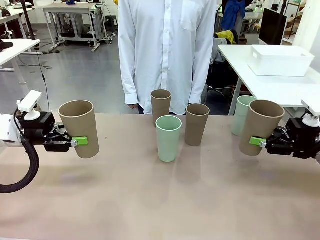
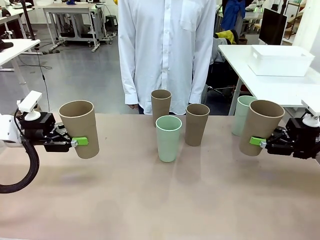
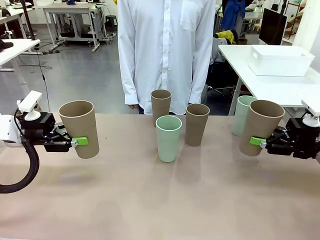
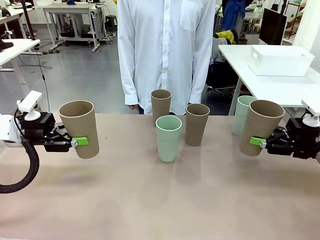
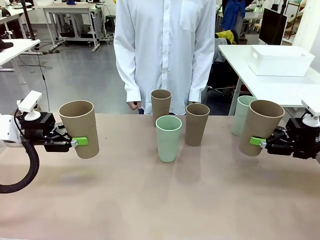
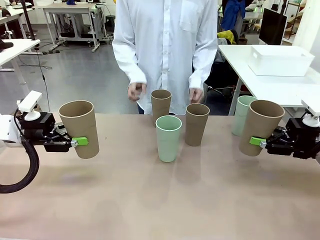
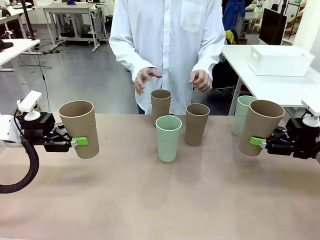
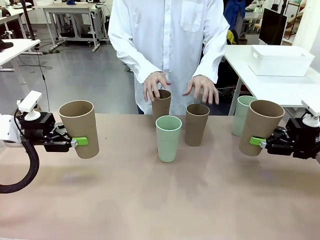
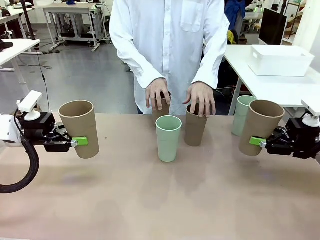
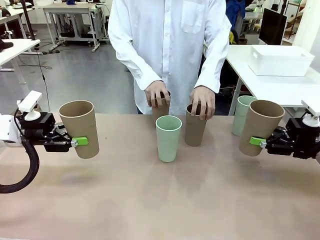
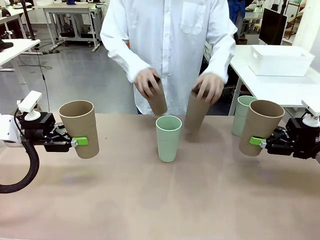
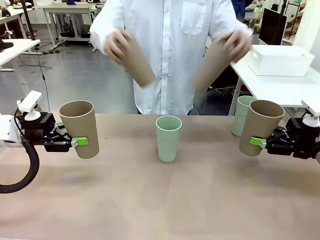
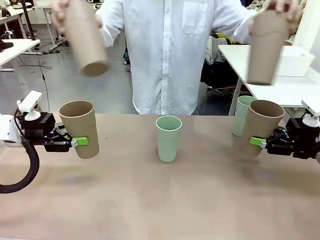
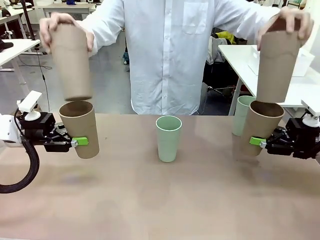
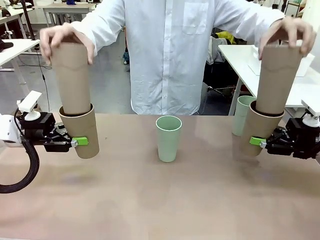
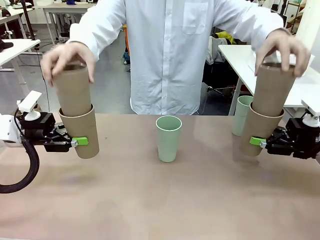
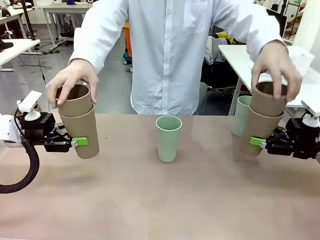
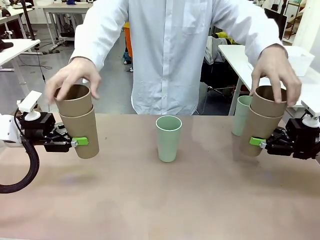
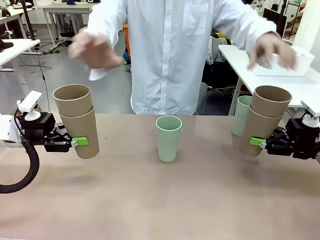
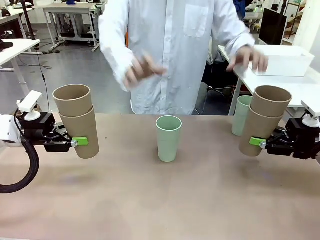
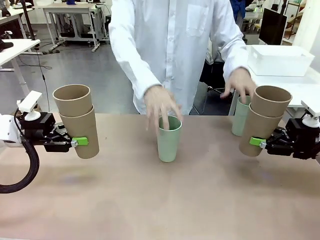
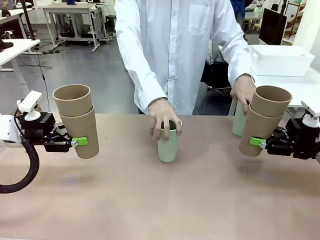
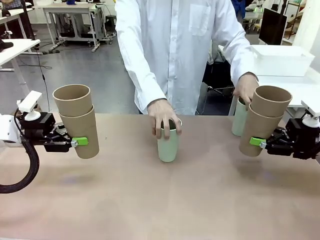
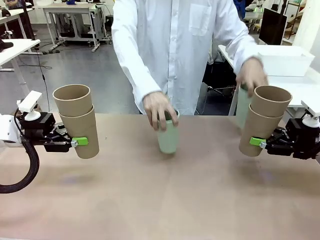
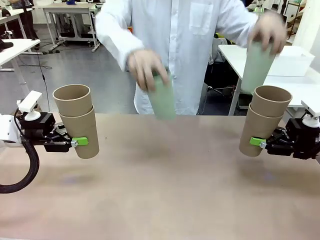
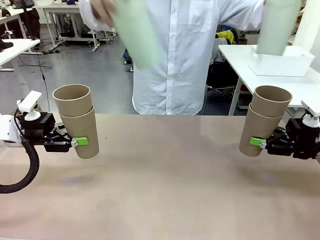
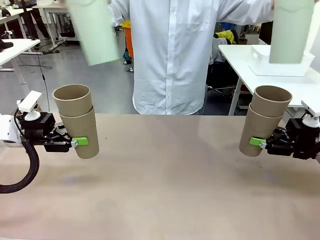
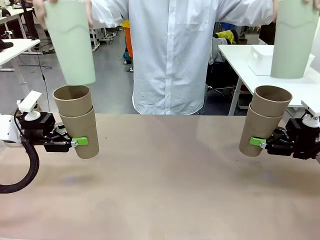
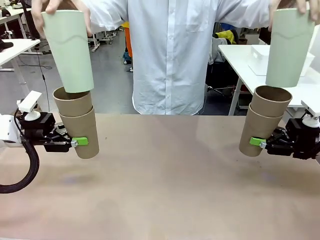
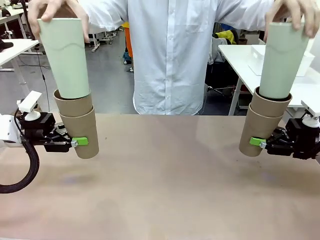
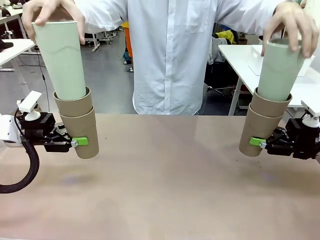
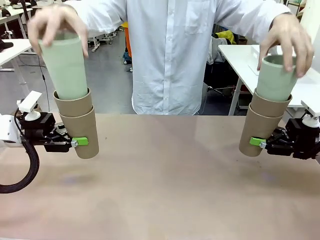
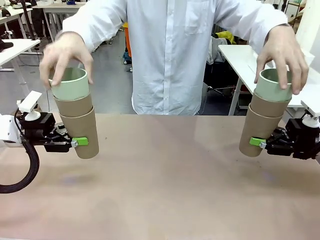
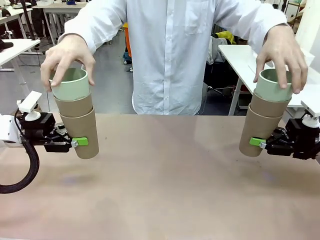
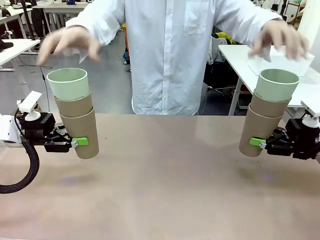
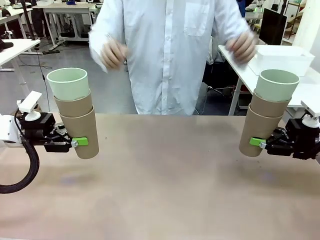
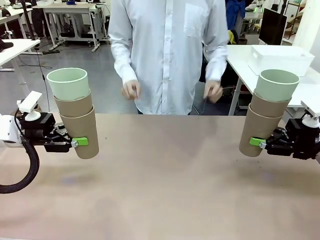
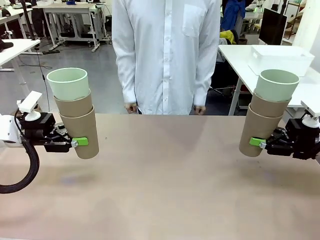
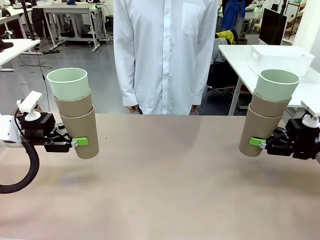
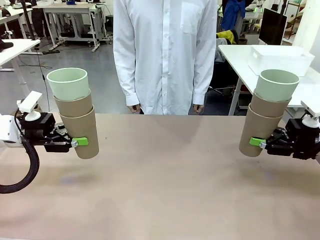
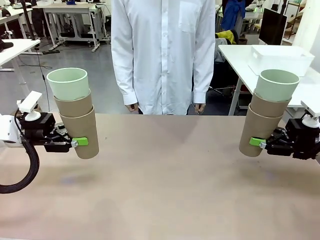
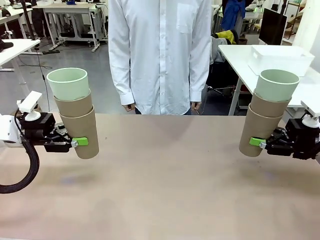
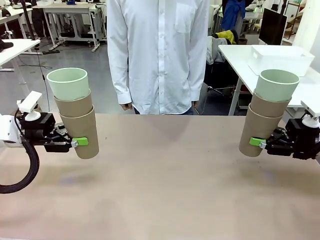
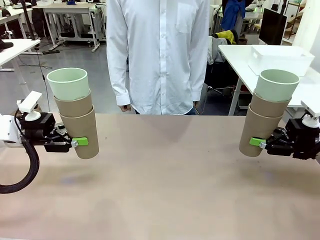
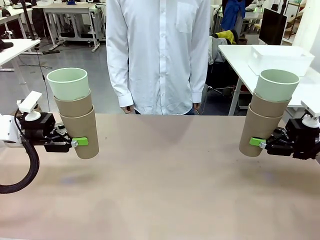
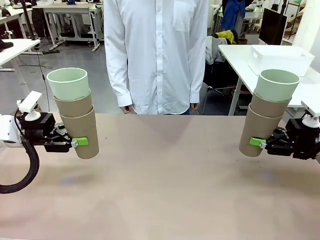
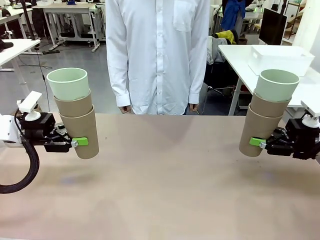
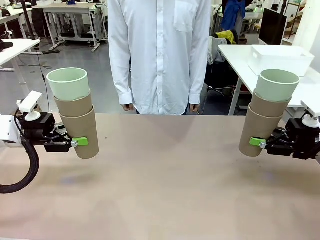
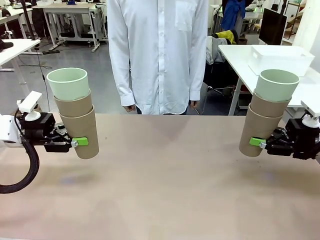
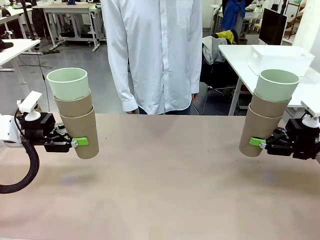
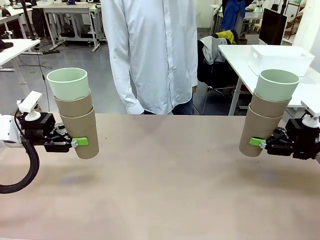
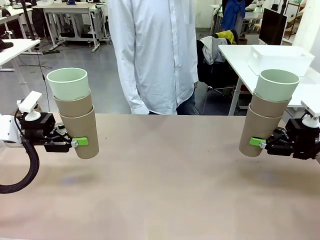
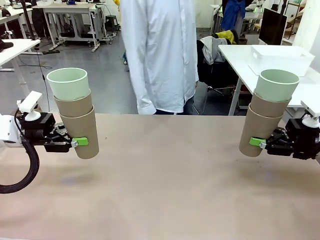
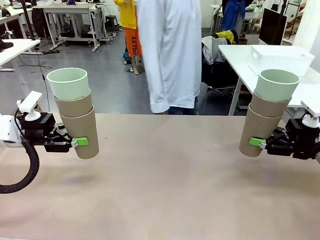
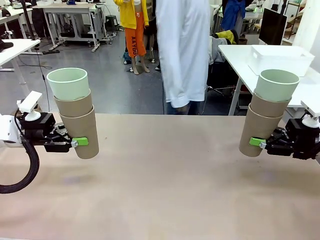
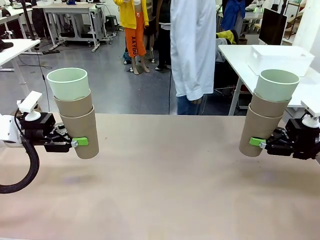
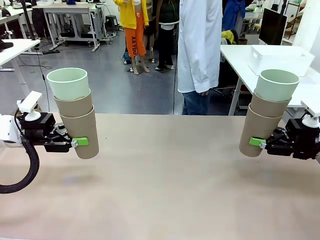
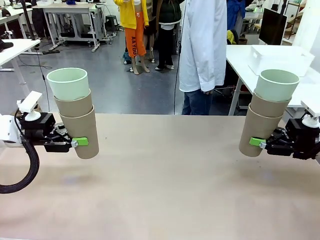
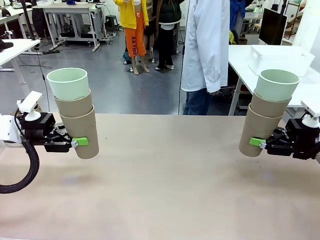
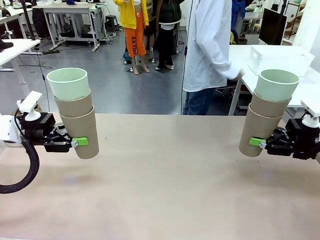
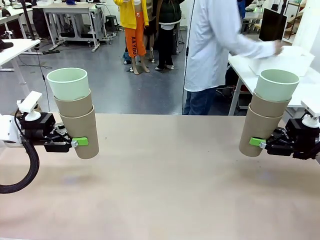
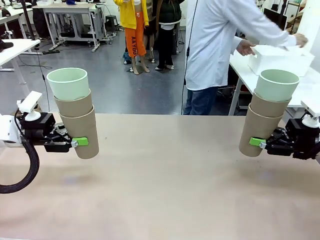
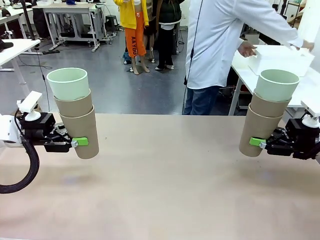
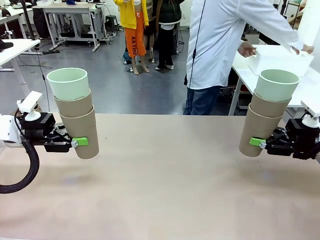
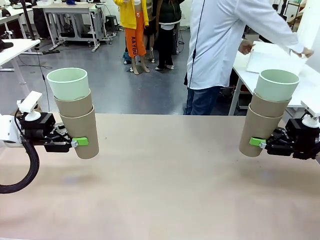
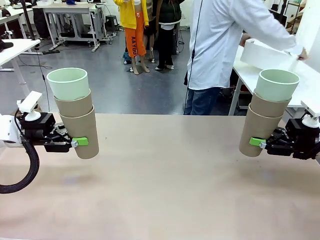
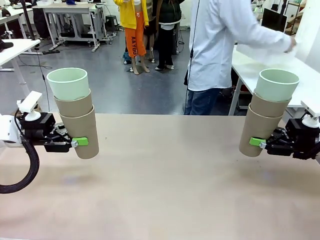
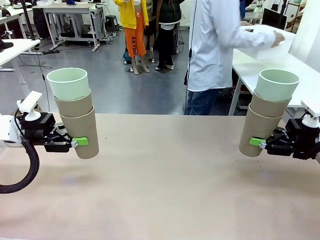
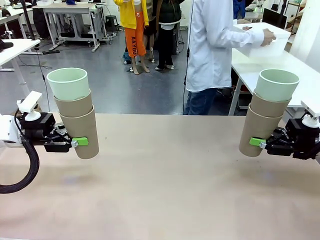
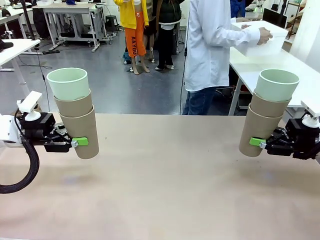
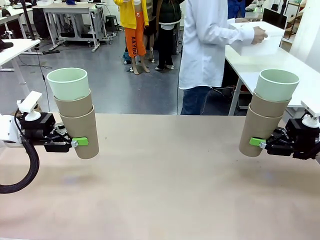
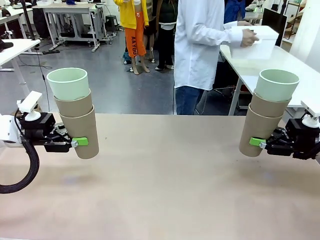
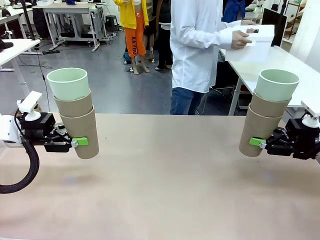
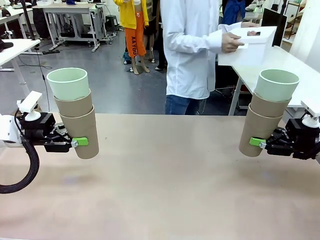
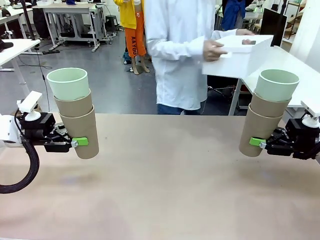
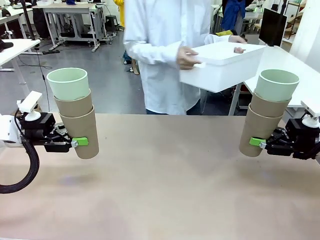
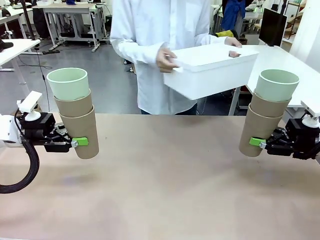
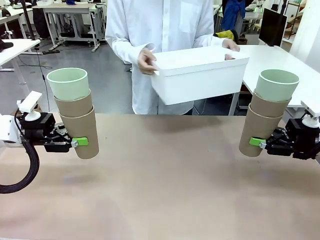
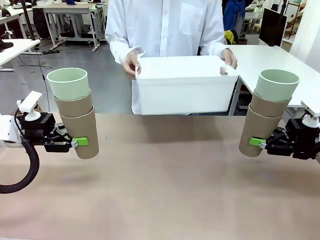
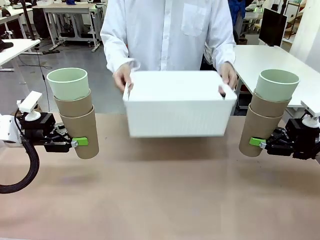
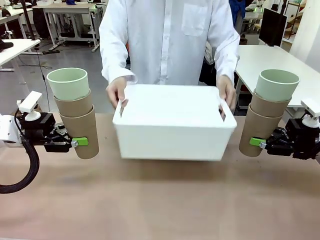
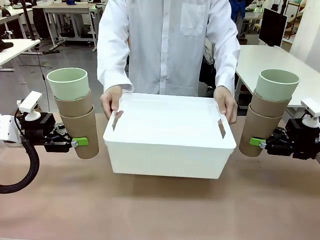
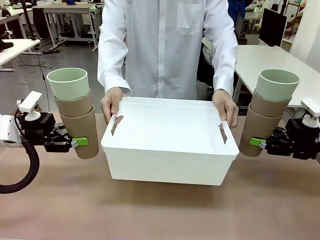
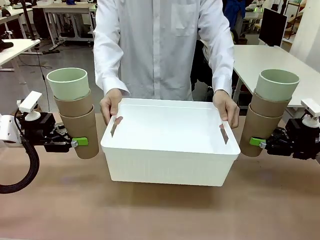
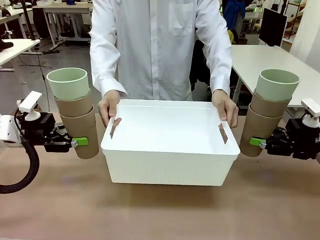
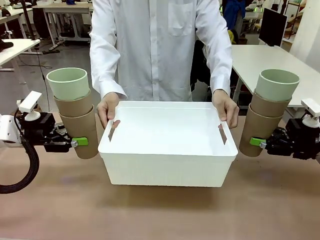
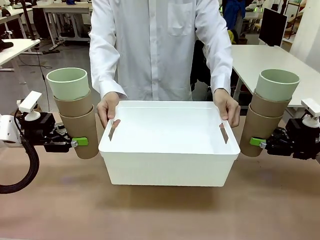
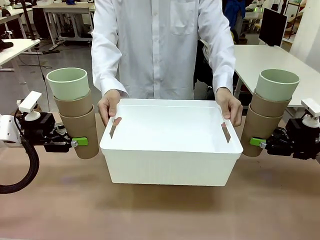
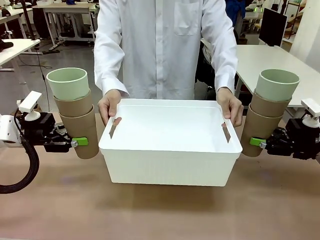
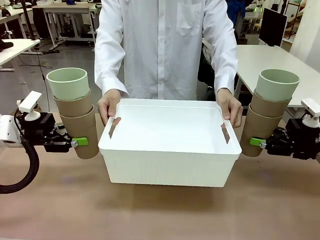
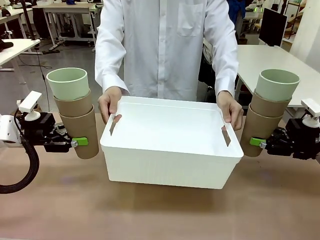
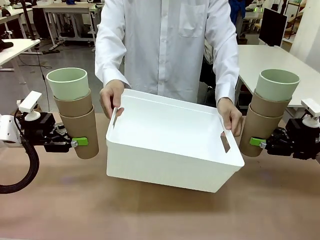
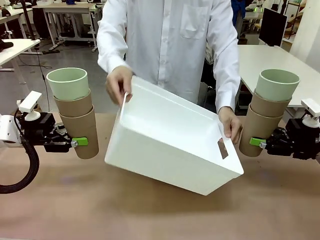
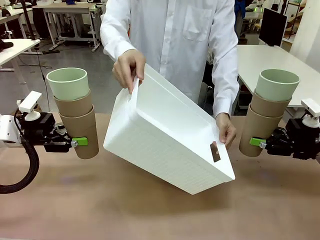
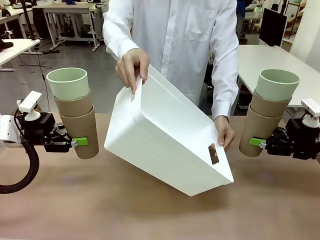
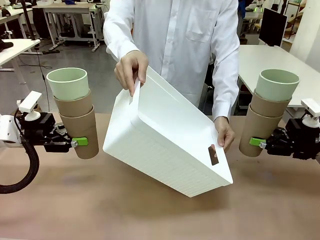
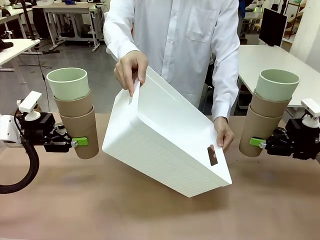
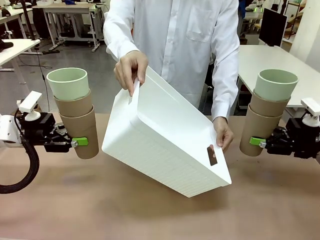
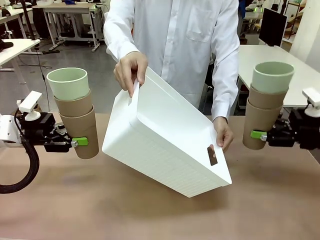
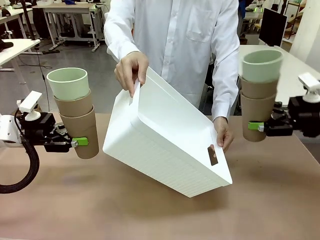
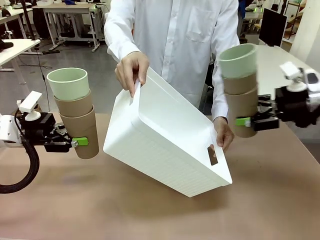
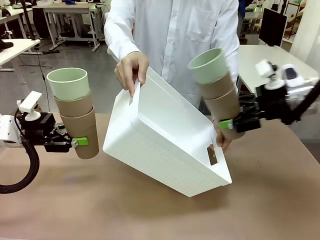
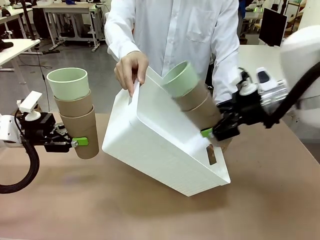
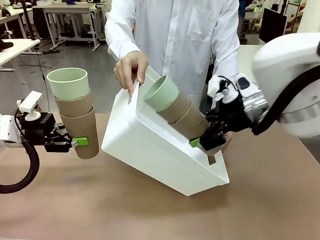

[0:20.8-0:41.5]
Task: Stack the cups and store them in the basket.
Robot: Place the stack of Reusable plastic cups into the Pantry Basket.
Person: Pick up the basket from the Human Table, bring it to the front of the robot, and present it.
